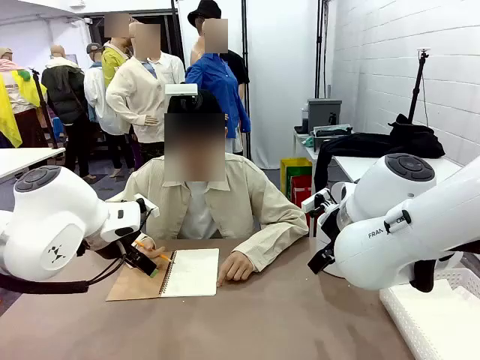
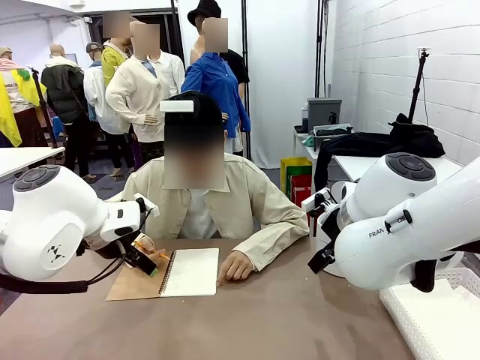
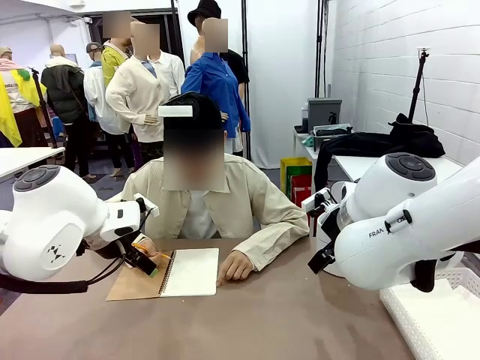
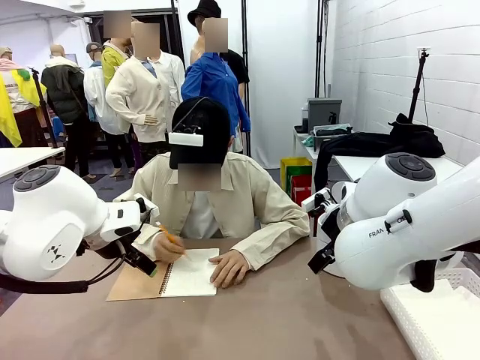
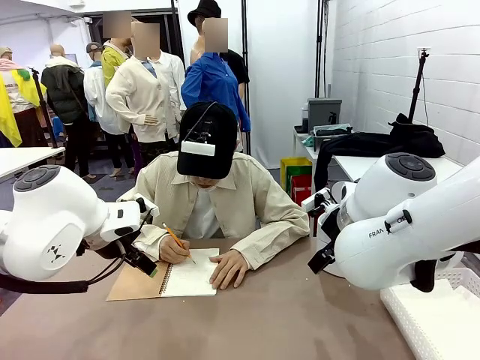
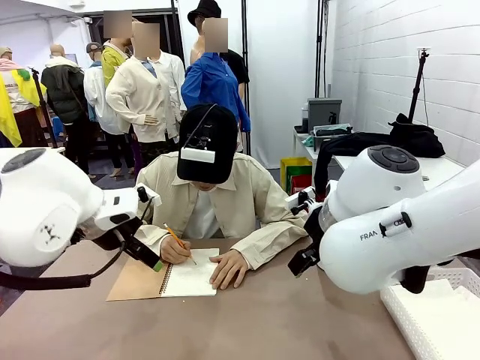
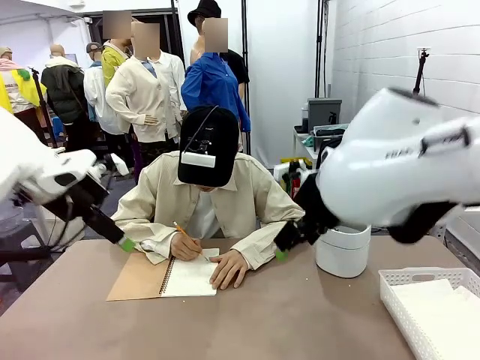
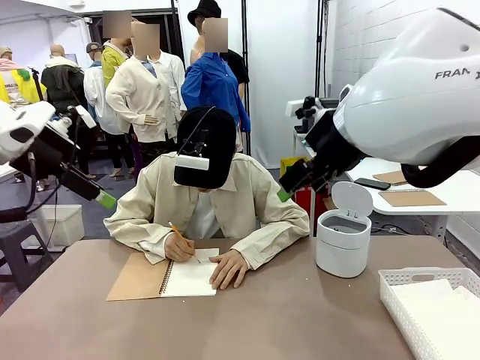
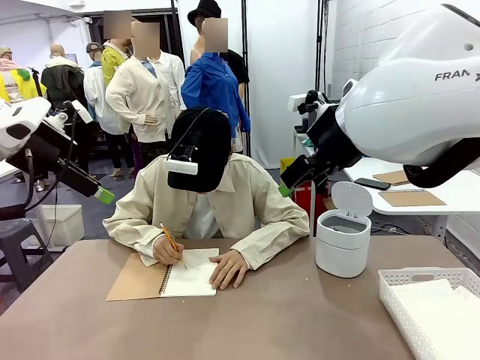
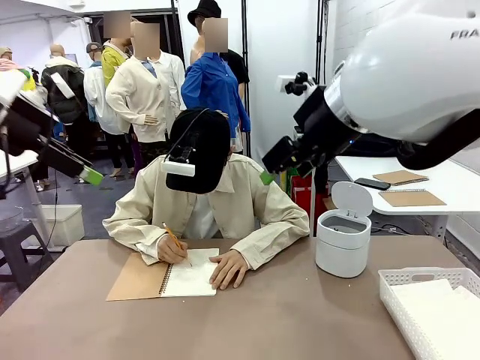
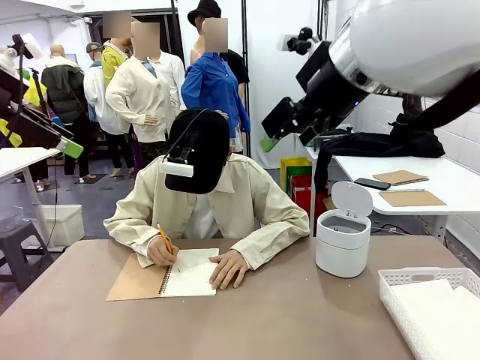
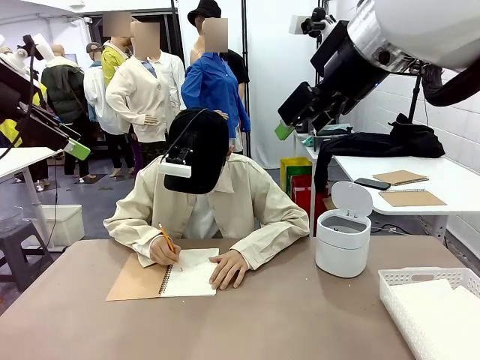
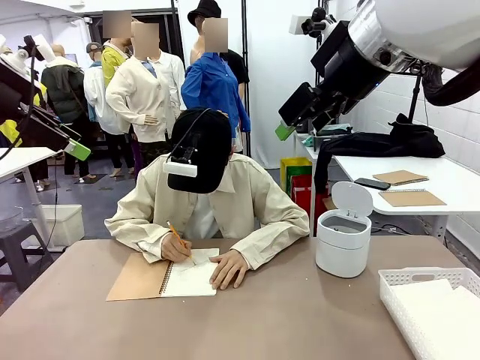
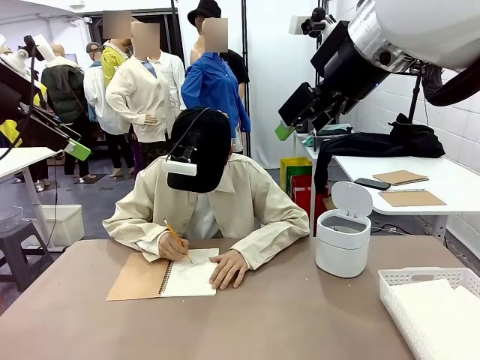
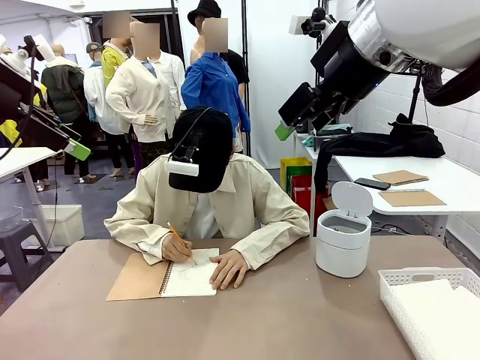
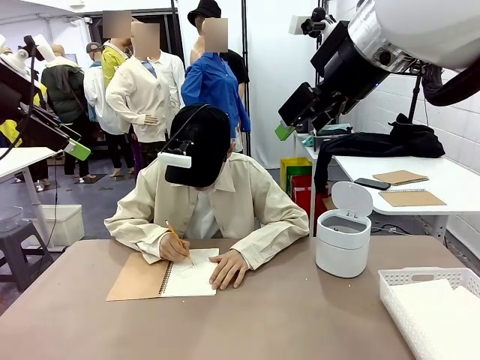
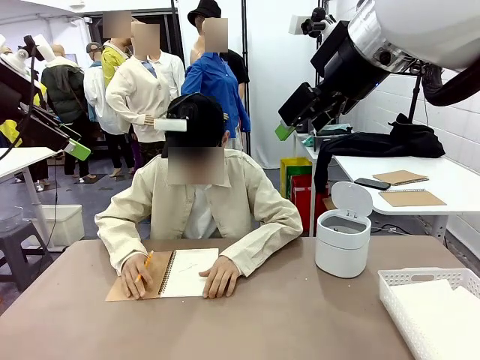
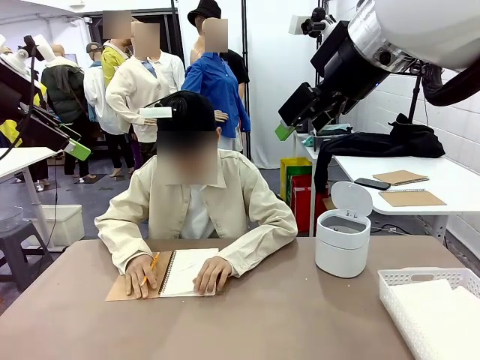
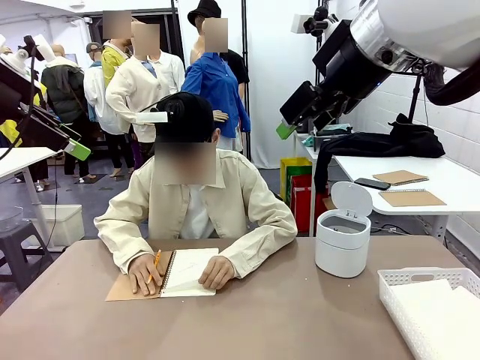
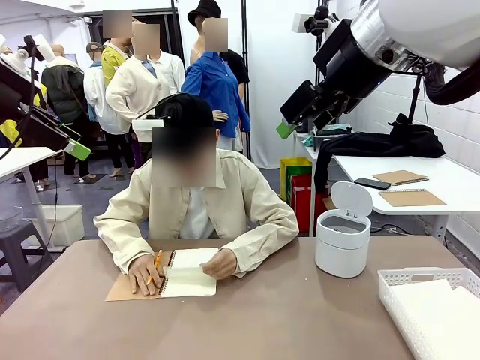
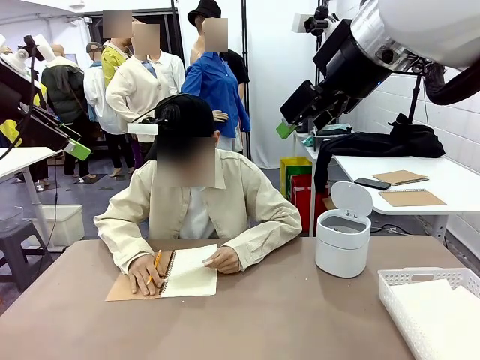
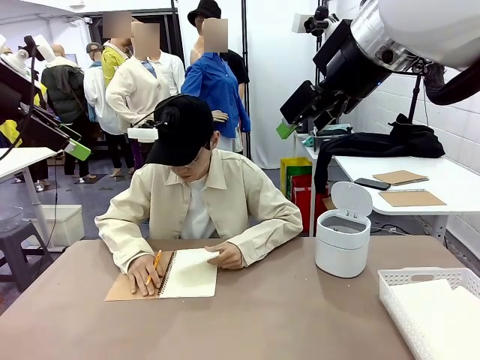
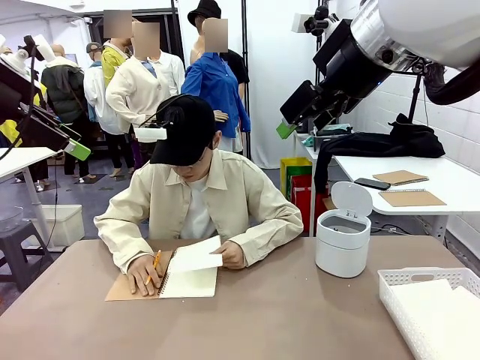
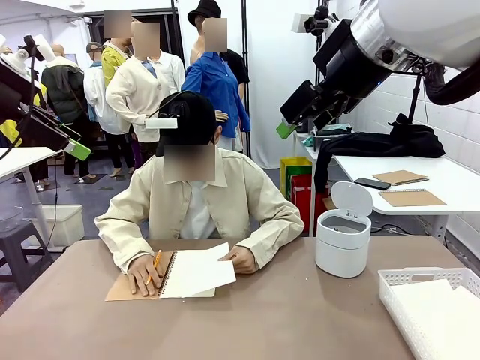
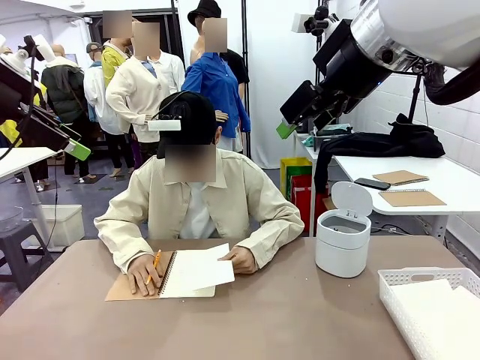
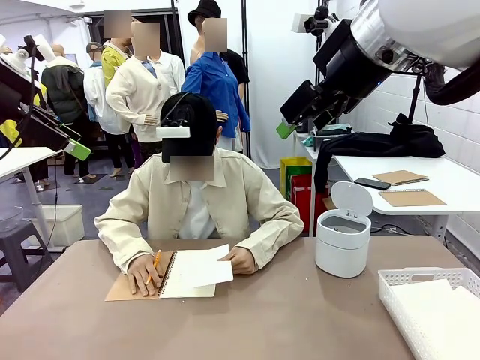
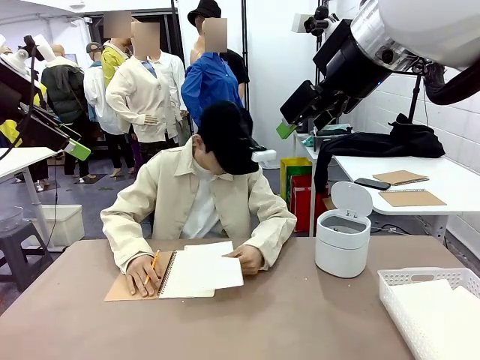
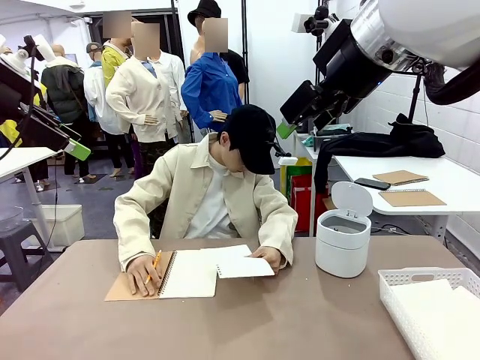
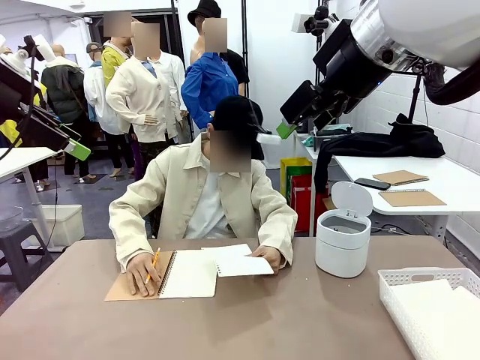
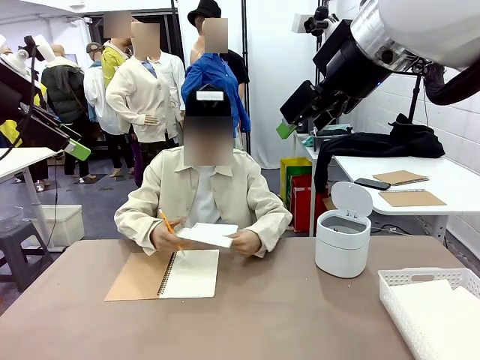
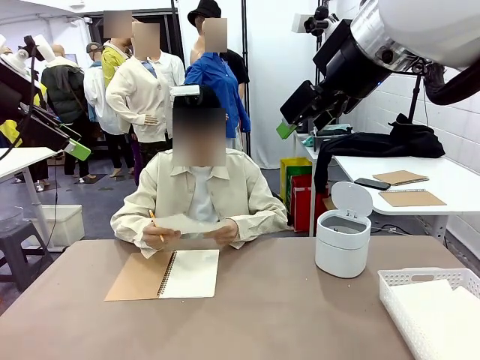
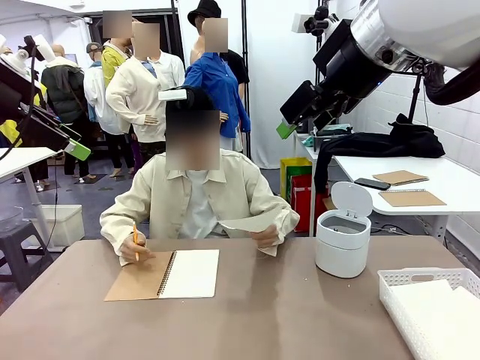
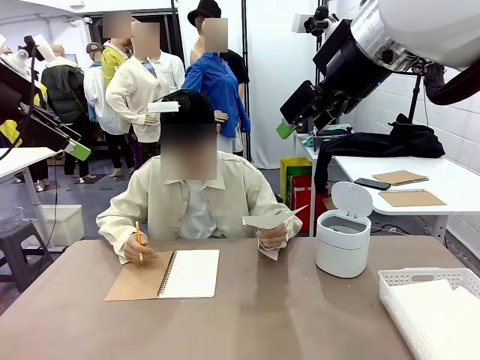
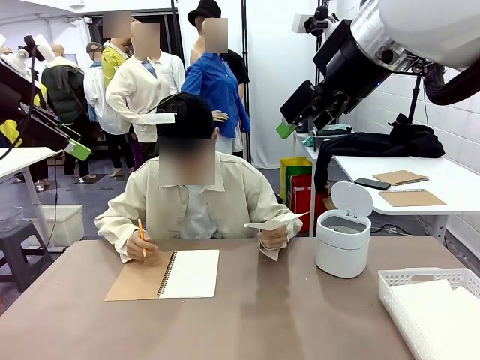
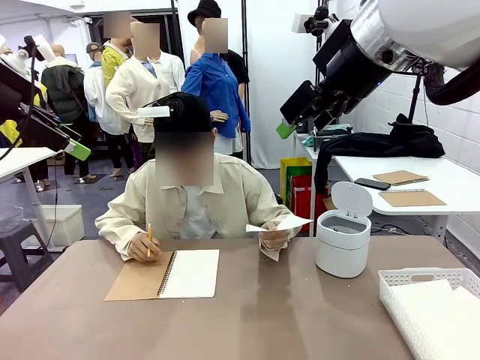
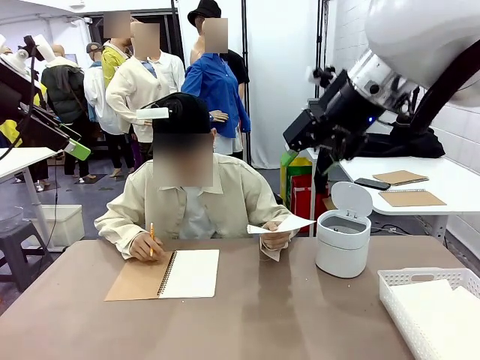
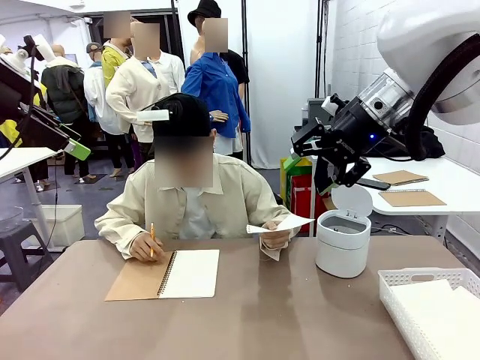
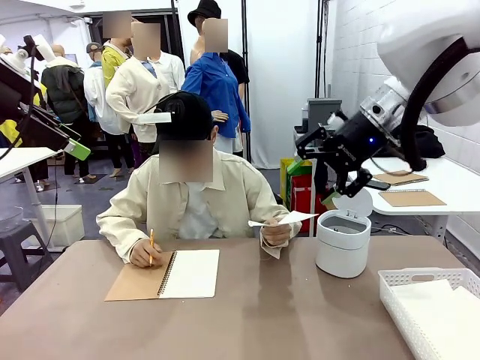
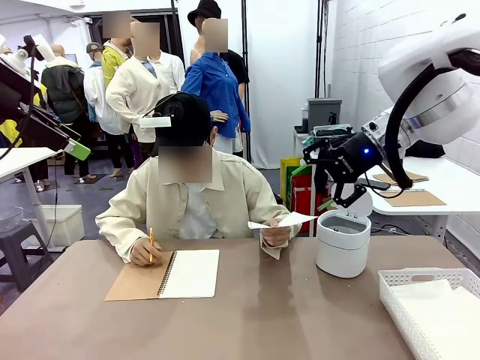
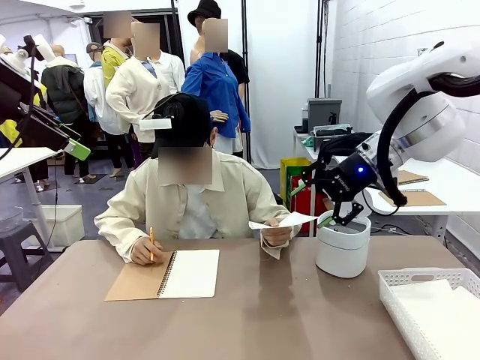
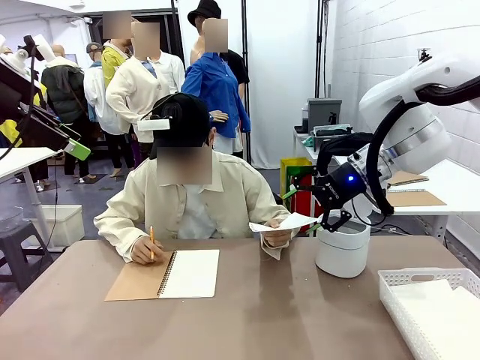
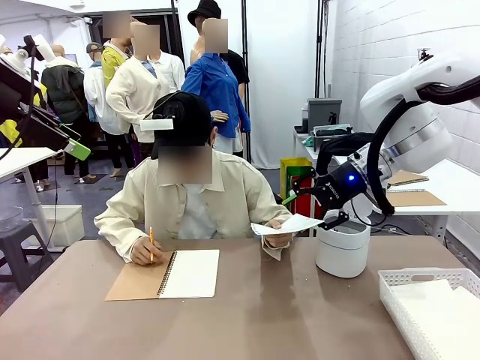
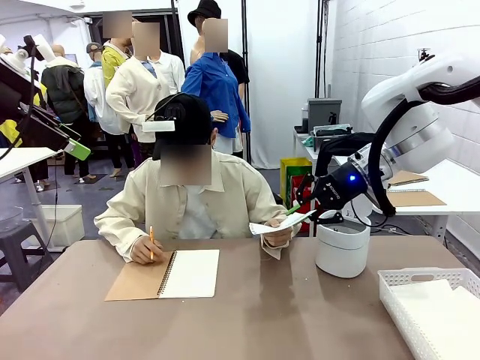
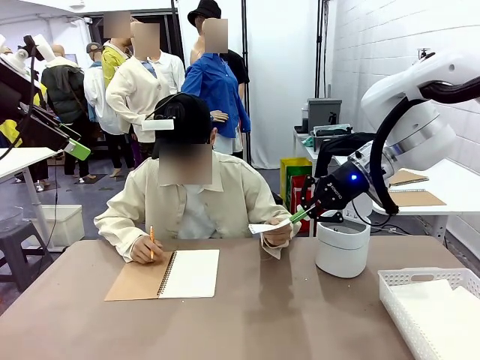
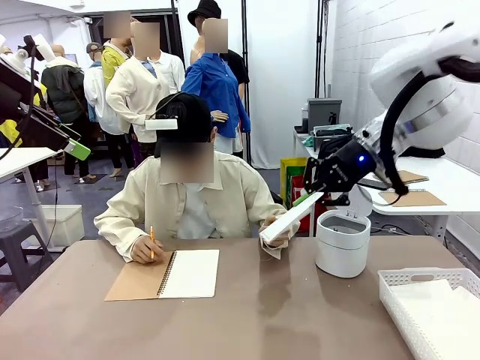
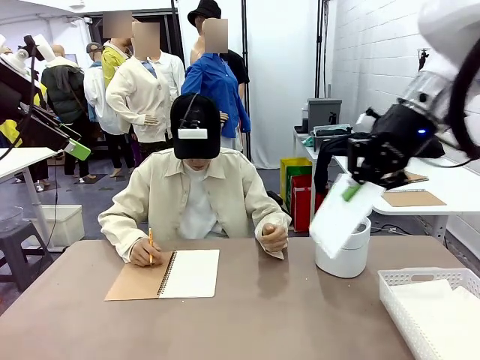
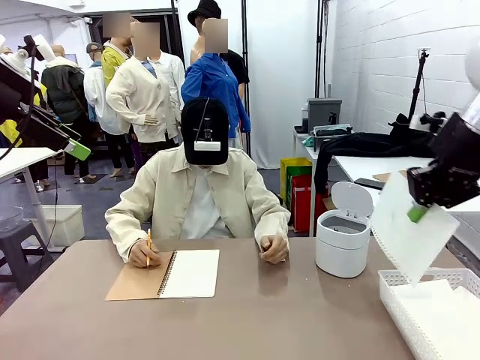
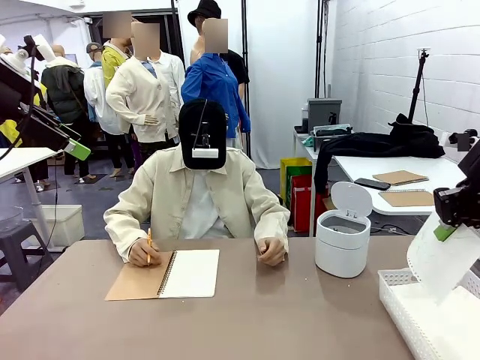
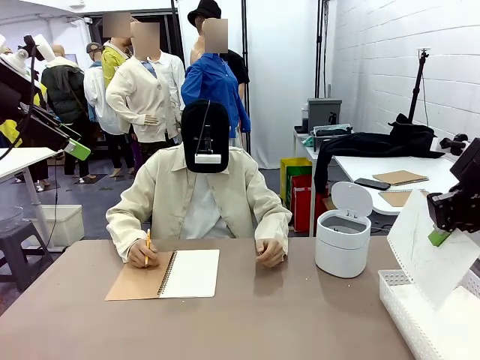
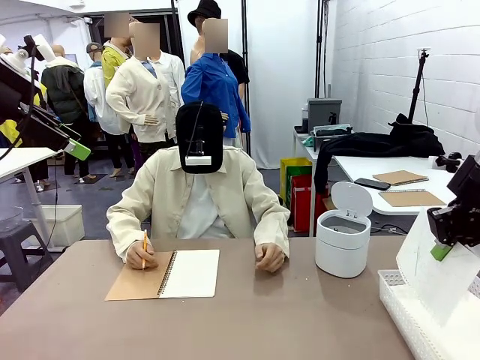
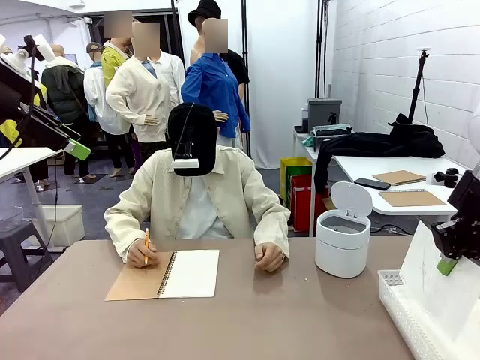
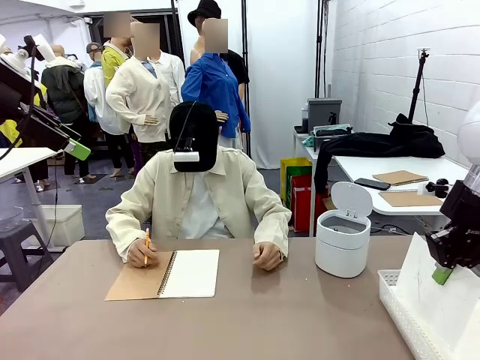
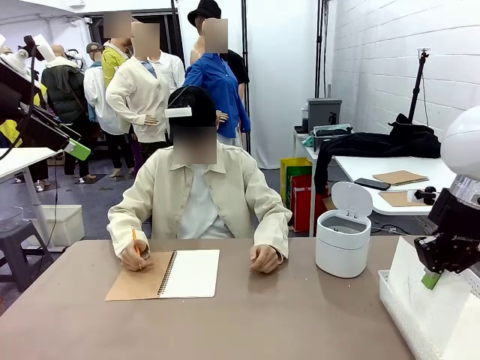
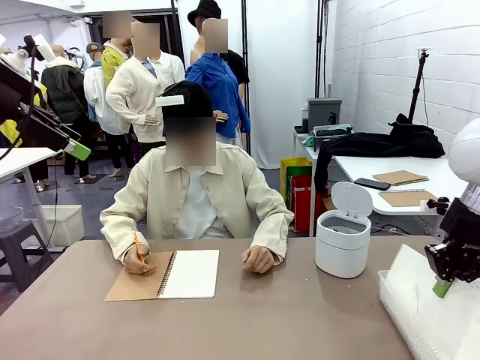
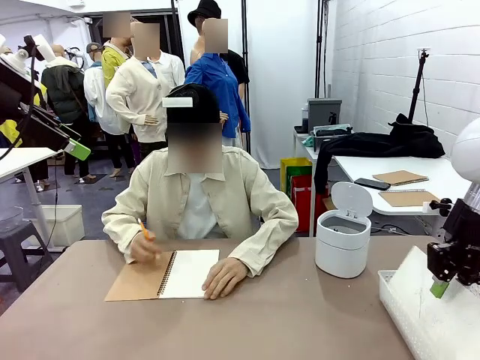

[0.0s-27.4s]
Task: Sort the paper based on its condition.
Robot: If a person hands you a paper, place it in the Organizing basket , and if it's crumpled, put it in the Trash can.
Person: Tear out a page from the spiral notebook. Hand the torn page to the robot or crumple it and throw it to the center of the table. Tear out a page from the spiral notebook.
